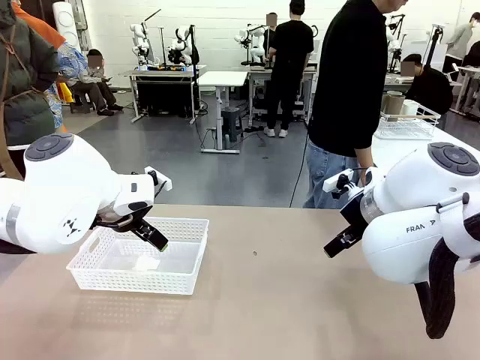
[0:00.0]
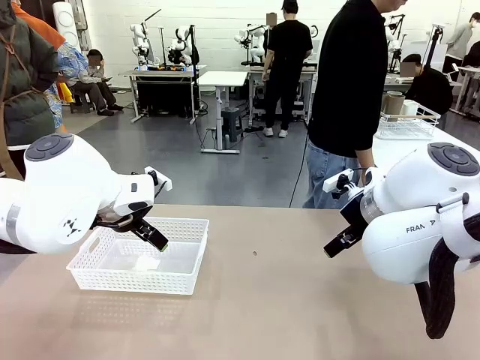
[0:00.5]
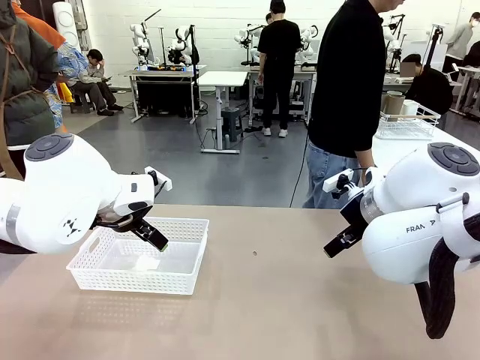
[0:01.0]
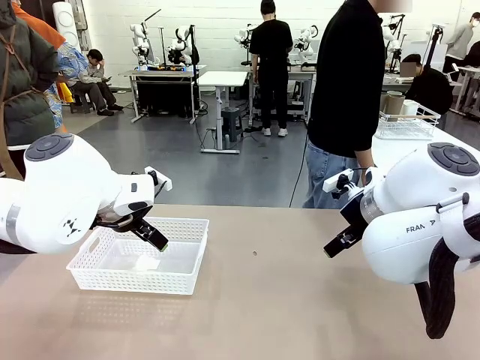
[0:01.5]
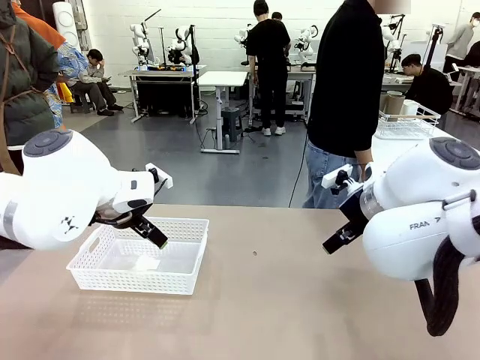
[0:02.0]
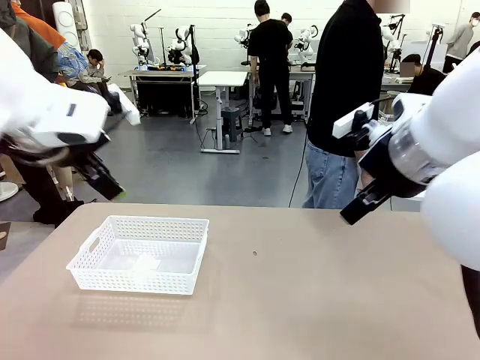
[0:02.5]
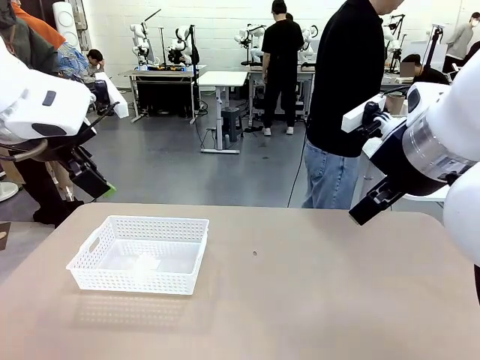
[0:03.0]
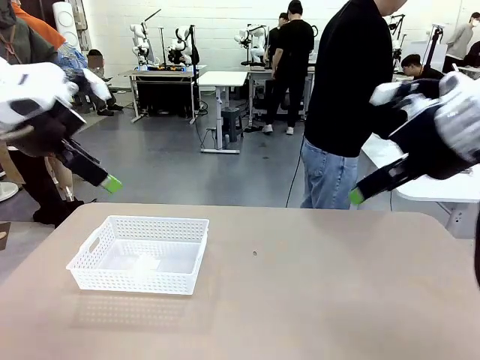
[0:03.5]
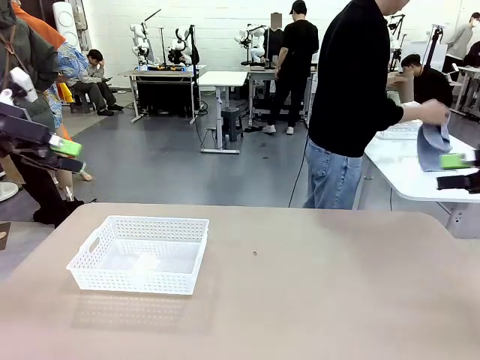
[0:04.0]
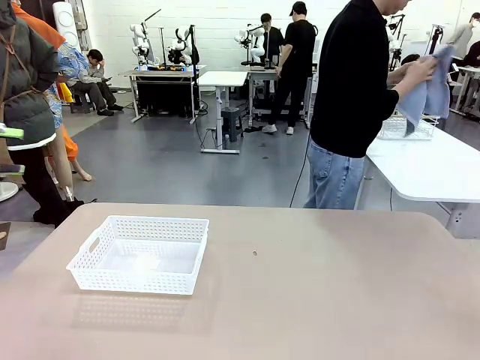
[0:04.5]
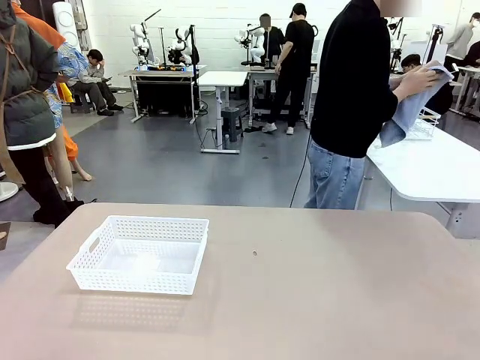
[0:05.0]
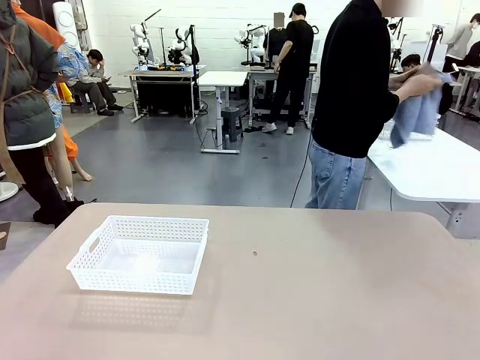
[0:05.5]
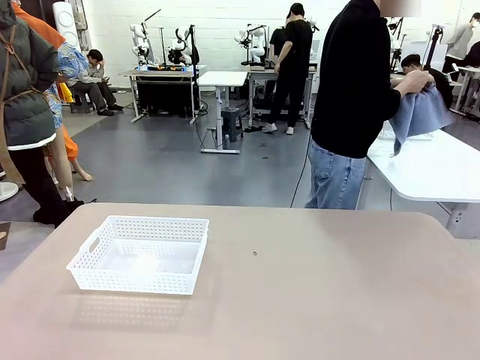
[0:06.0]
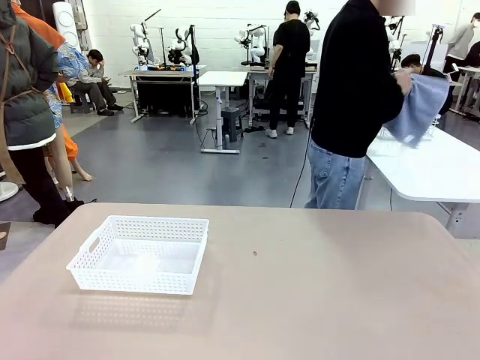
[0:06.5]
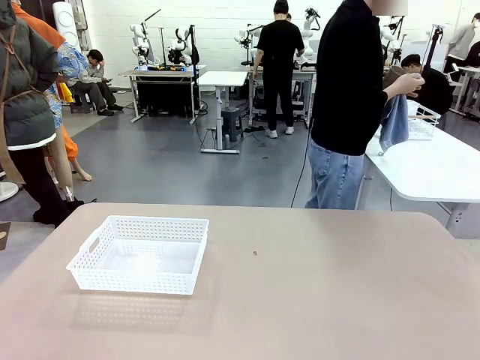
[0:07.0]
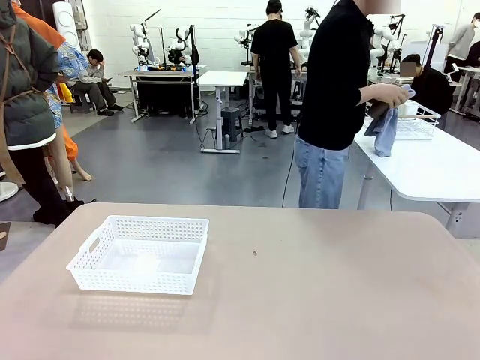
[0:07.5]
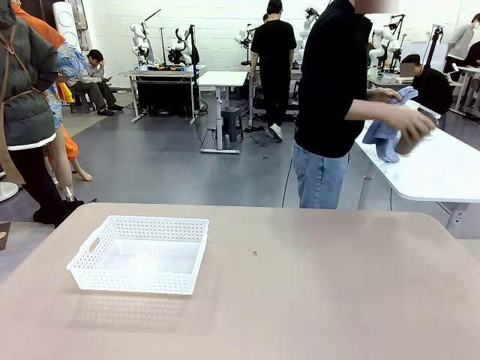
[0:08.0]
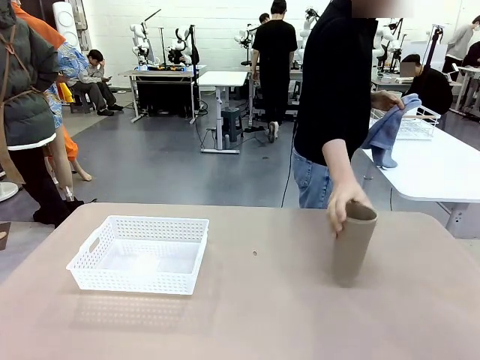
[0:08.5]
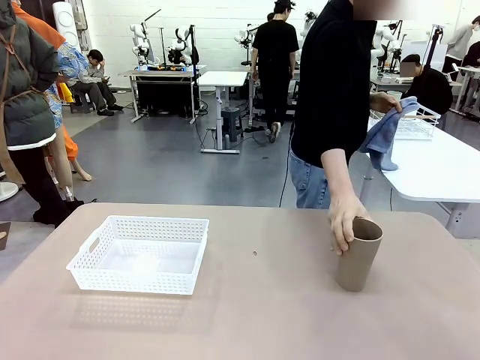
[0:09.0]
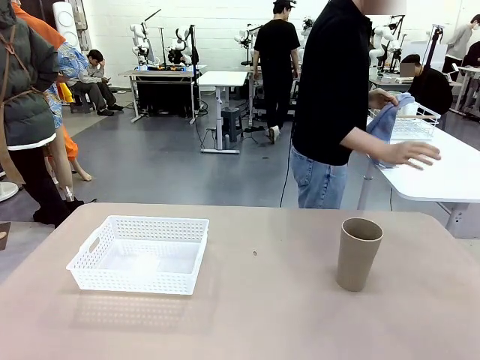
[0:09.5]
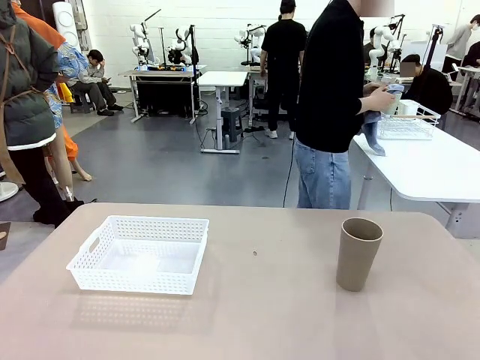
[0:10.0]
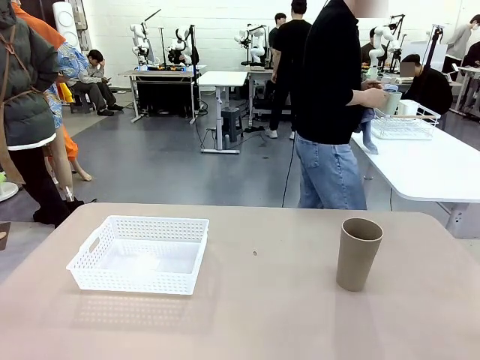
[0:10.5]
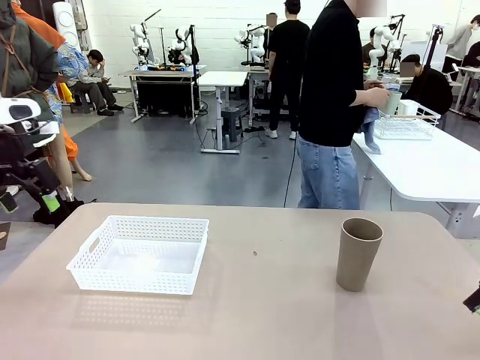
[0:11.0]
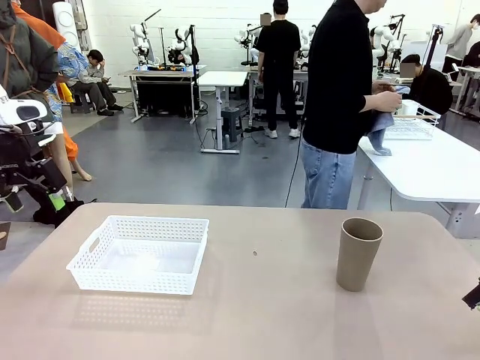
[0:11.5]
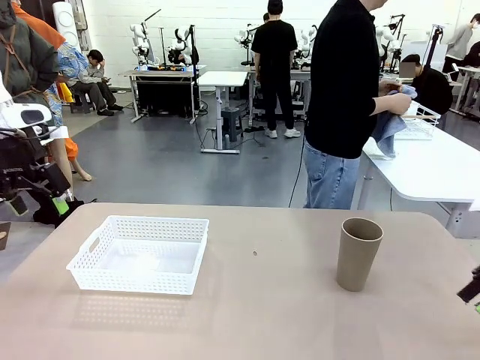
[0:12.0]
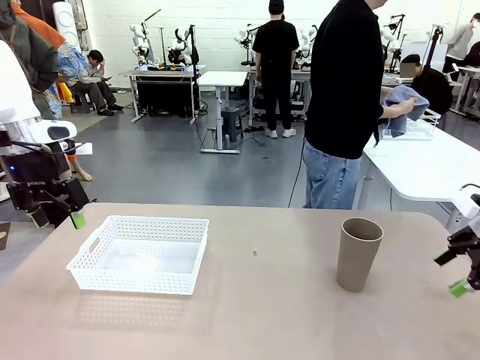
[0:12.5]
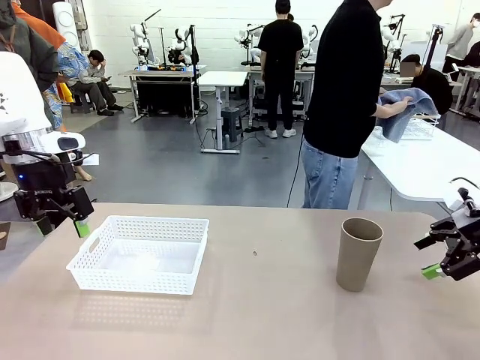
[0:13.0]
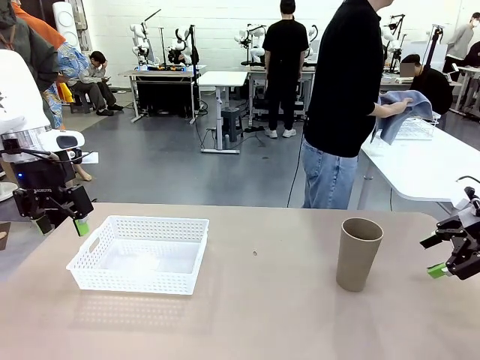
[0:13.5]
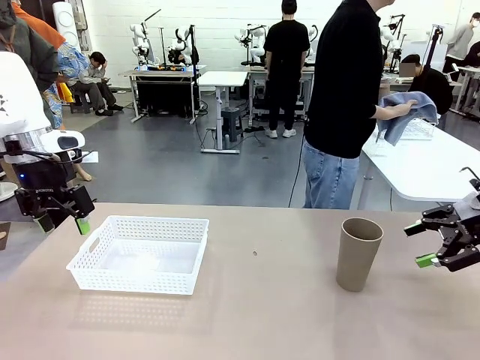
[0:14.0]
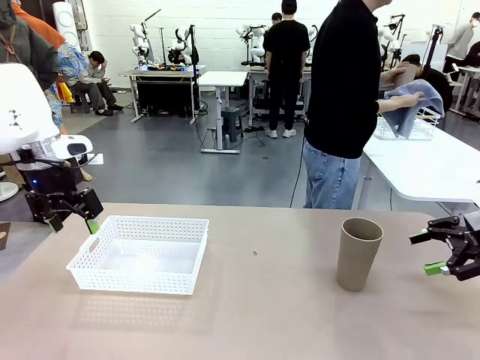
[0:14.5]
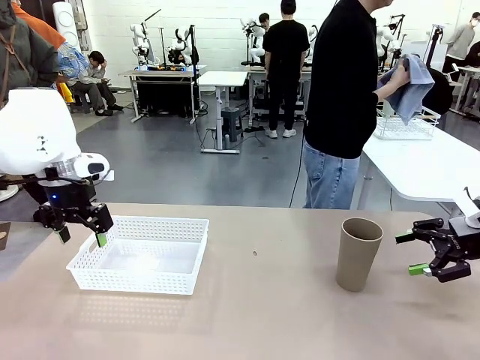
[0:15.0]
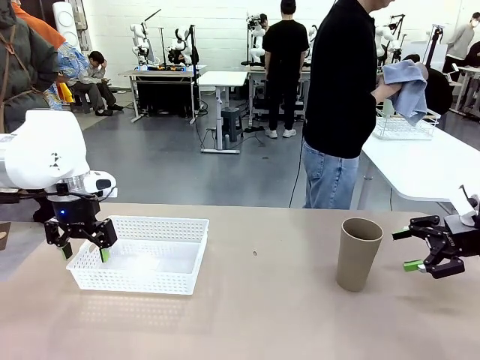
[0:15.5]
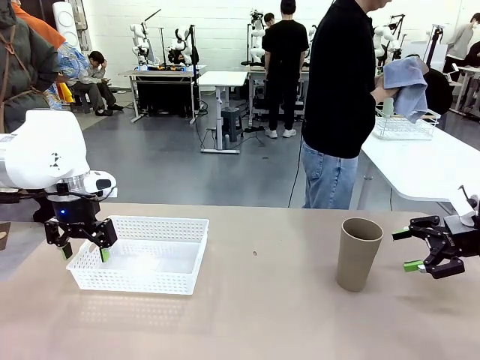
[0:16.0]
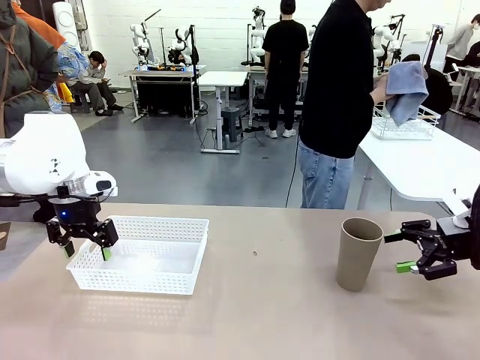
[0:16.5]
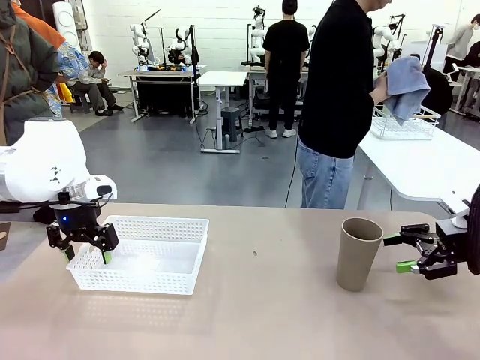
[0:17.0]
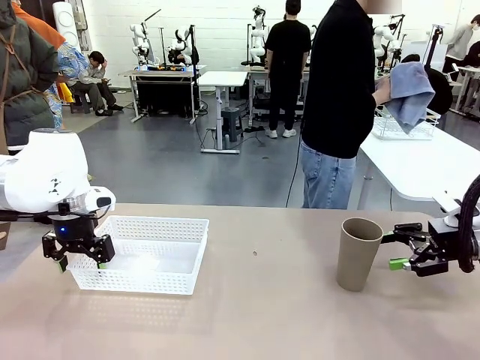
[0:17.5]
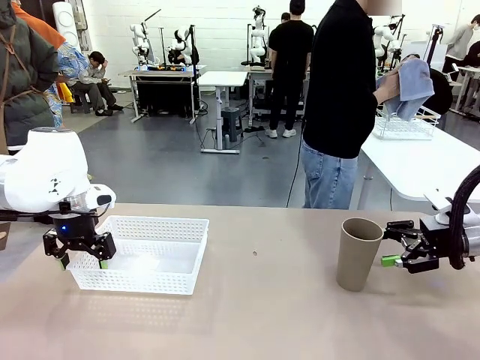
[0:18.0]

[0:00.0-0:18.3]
Task: Clean and organize the cups into the basket.
Robot: Pick up the Organizing basket and move it to the center of the table, then pick up the Reusable plastic cup from the right side of the table and place it inside the Organizing basket.
Person: Picks up a cup and a towel, cleans the cup with the towel, and places it on the left side of the robot table.

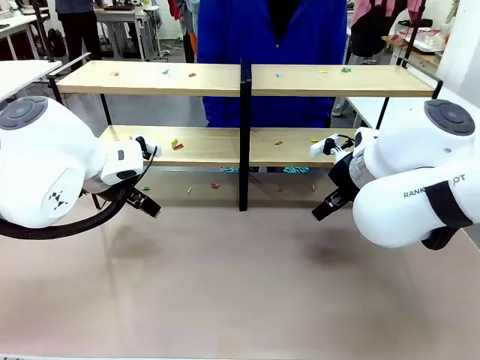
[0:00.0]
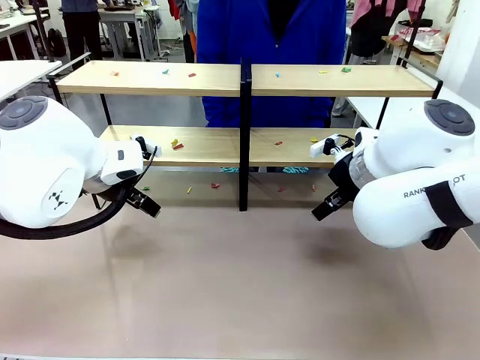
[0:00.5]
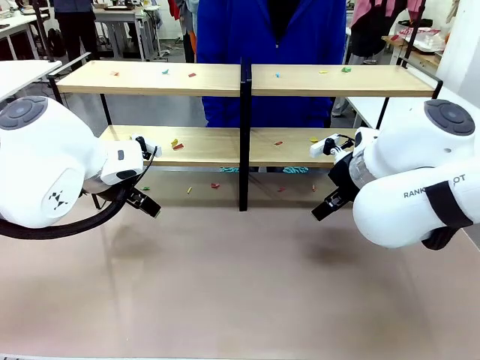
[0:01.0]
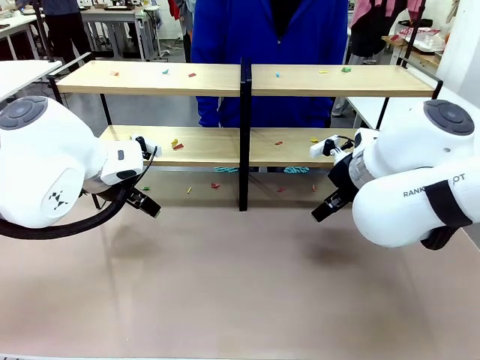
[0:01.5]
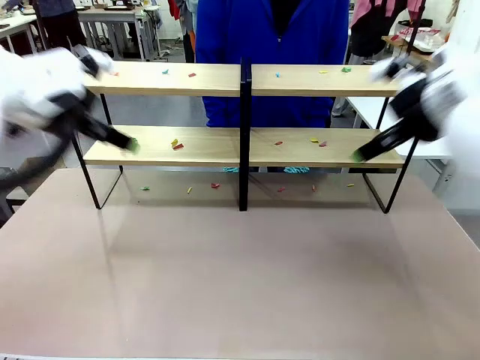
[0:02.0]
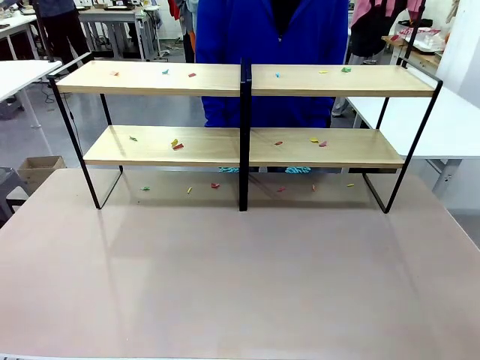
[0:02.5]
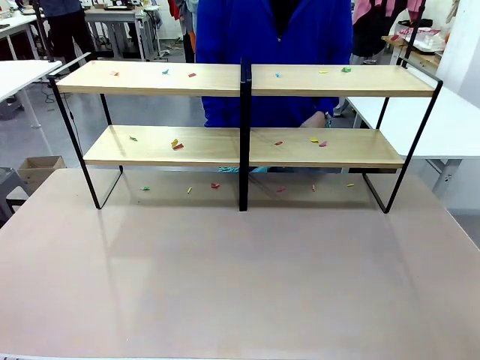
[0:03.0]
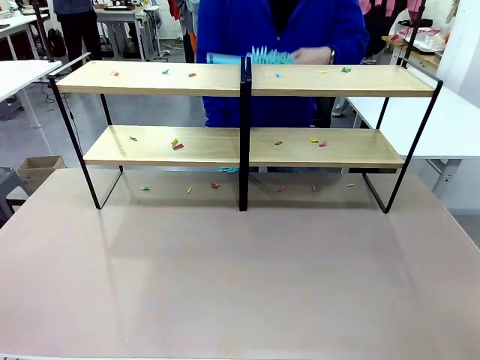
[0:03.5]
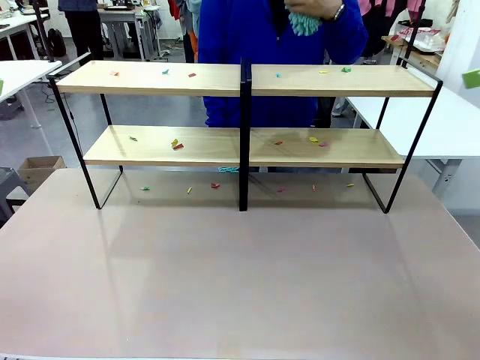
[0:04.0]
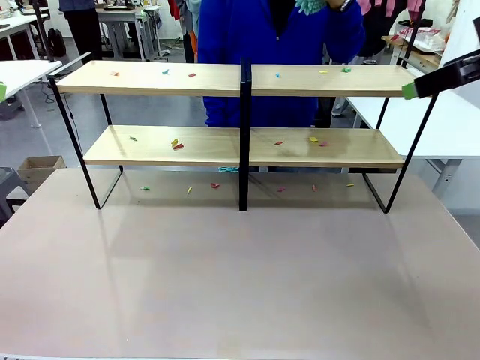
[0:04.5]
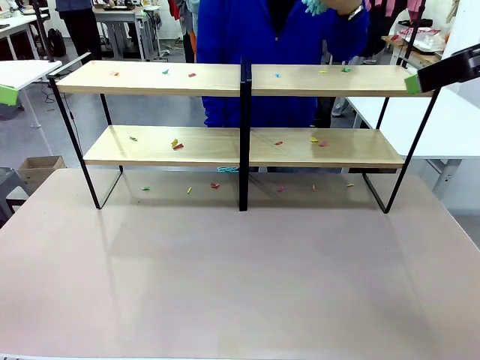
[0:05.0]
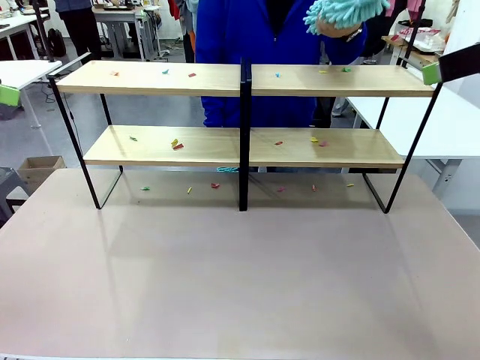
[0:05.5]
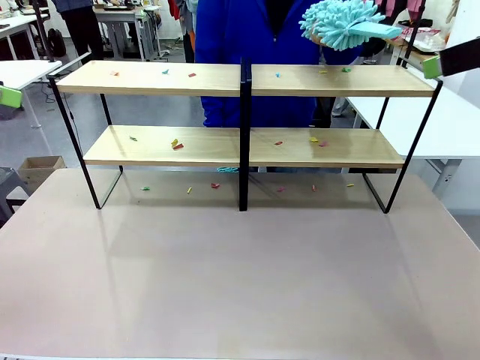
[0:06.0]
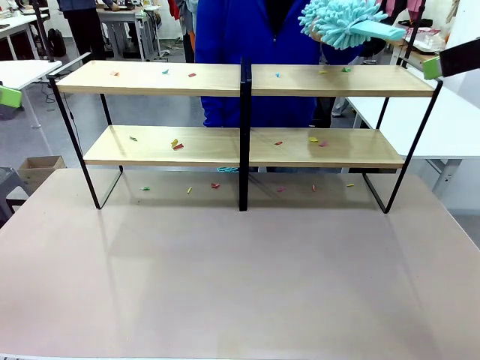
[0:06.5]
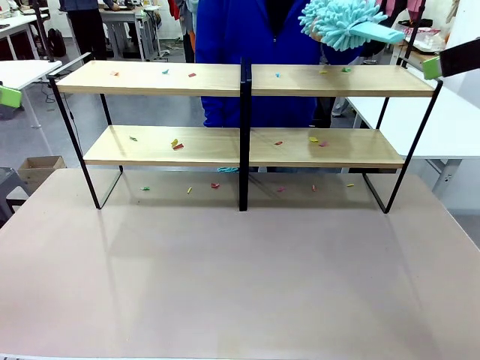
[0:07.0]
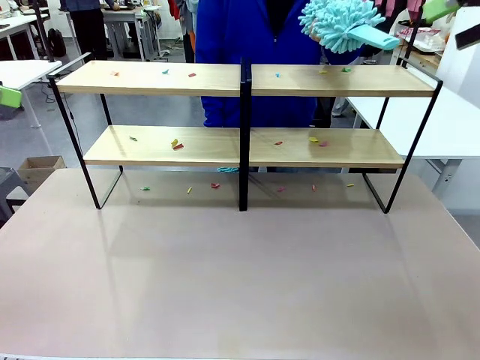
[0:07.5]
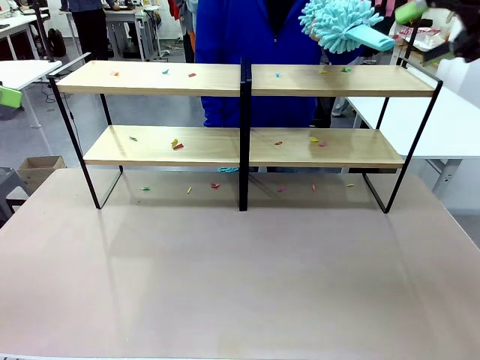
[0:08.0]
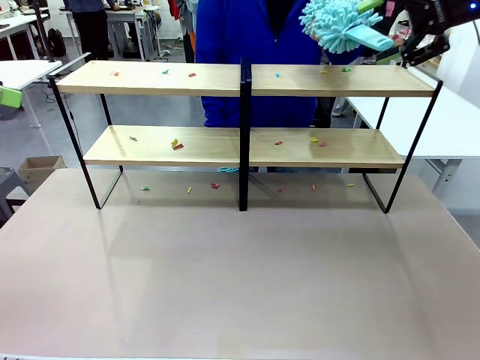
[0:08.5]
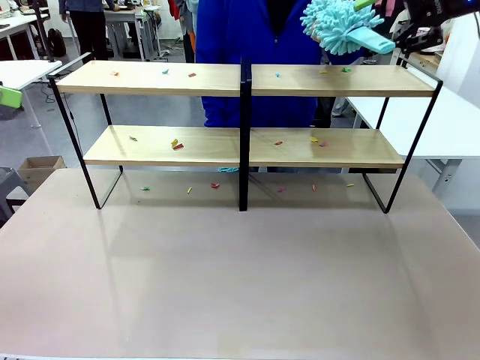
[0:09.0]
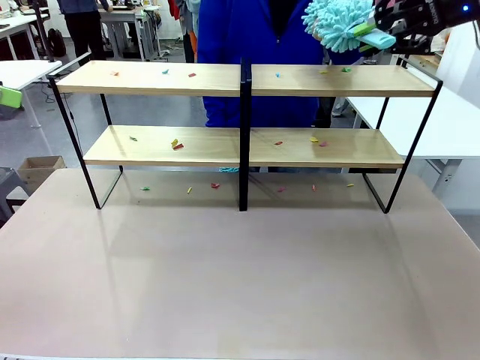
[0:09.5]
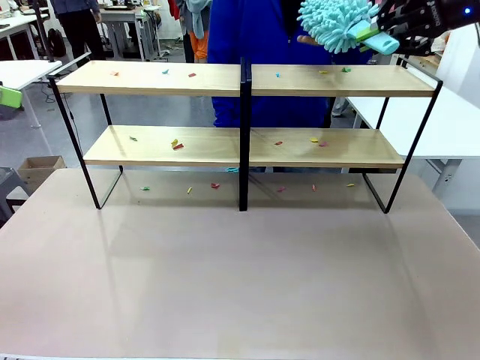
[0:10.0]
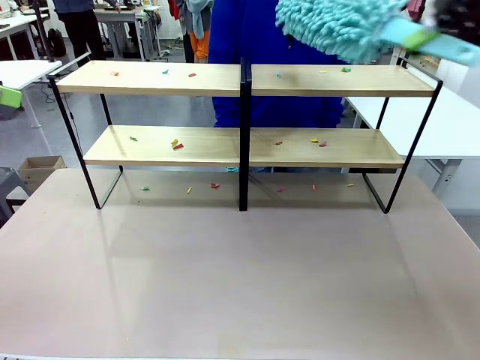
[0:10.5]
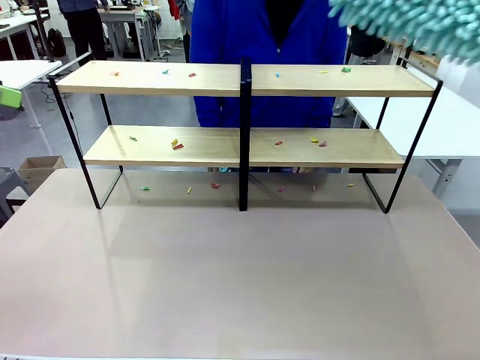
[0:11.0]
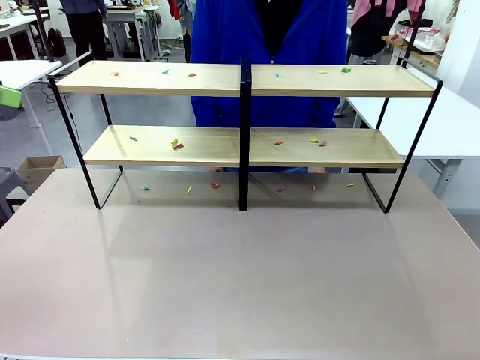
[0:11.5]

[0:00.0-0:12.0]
Task: Clean the shelves.
Robot: Pick up the Duster when the human hands it over.
Person: Hand the Duster to the robot with your right (or left) hand.
